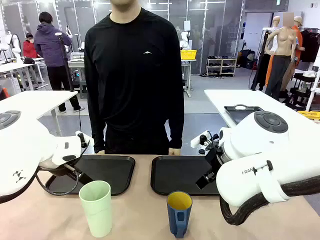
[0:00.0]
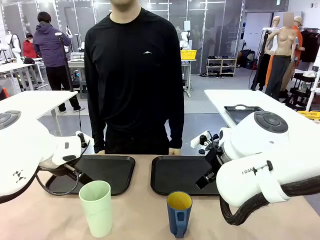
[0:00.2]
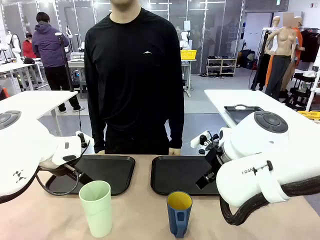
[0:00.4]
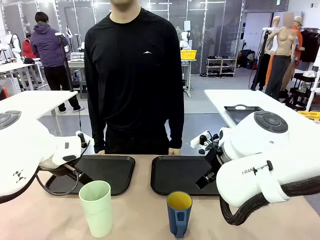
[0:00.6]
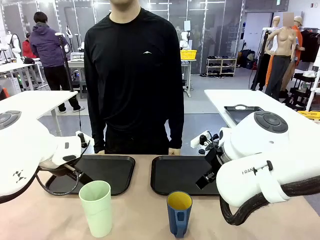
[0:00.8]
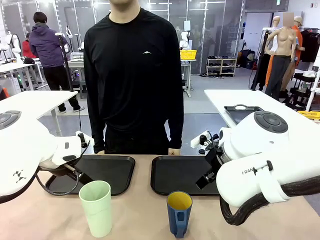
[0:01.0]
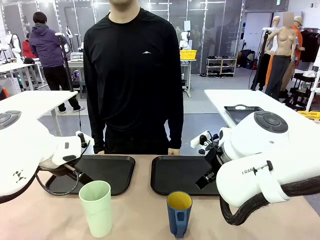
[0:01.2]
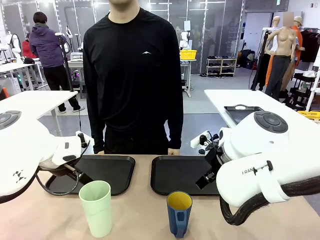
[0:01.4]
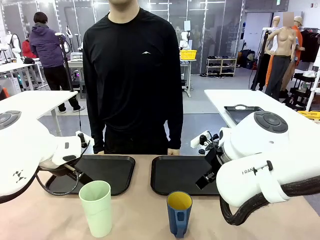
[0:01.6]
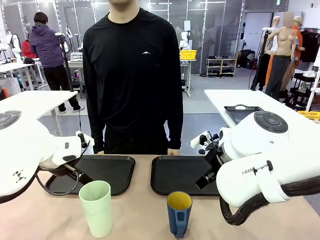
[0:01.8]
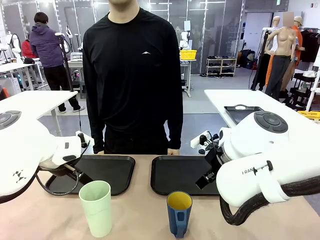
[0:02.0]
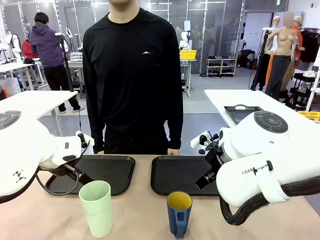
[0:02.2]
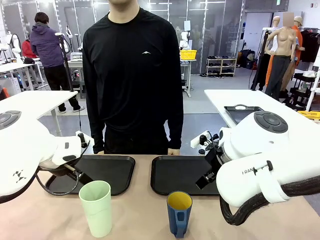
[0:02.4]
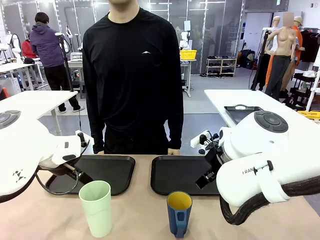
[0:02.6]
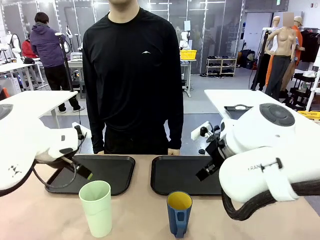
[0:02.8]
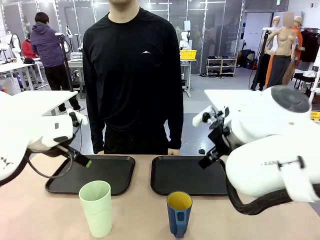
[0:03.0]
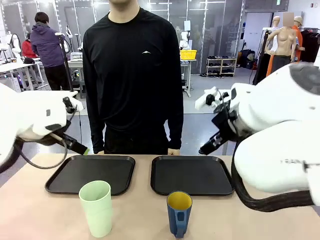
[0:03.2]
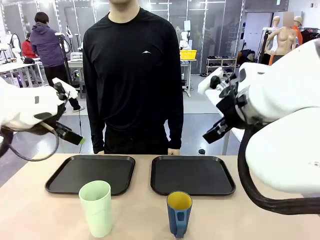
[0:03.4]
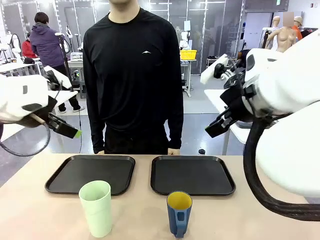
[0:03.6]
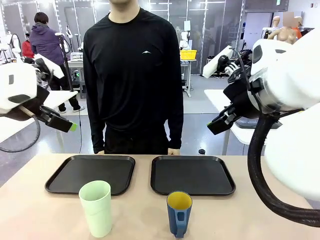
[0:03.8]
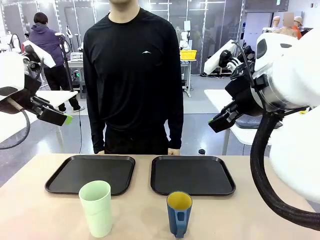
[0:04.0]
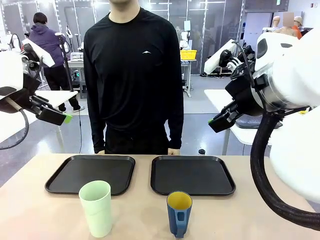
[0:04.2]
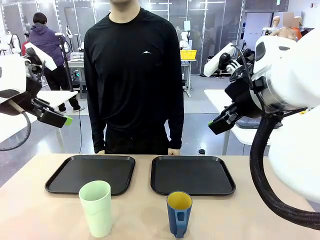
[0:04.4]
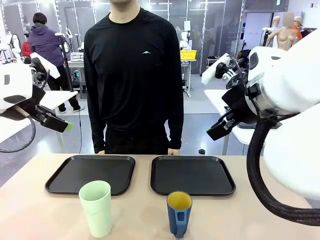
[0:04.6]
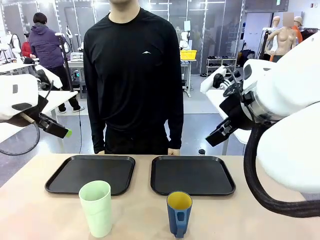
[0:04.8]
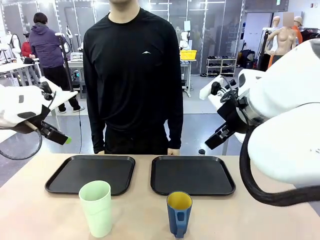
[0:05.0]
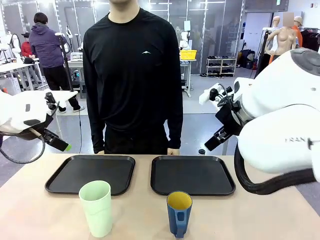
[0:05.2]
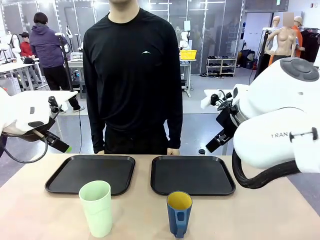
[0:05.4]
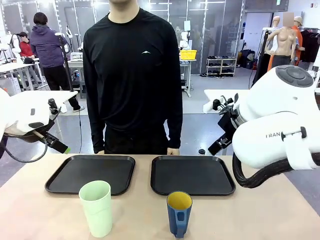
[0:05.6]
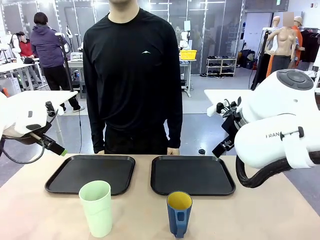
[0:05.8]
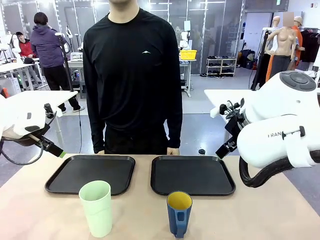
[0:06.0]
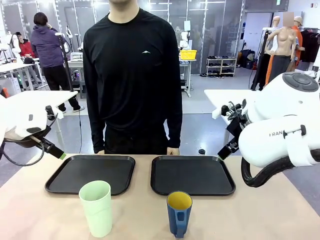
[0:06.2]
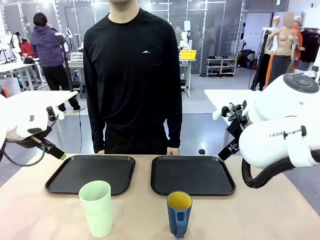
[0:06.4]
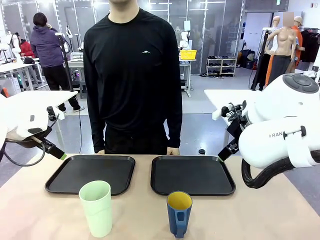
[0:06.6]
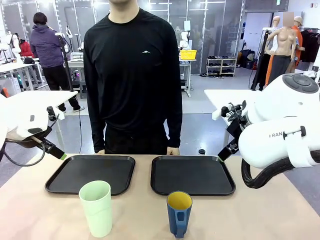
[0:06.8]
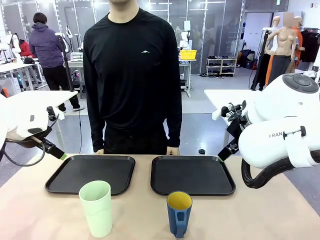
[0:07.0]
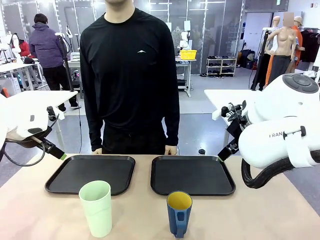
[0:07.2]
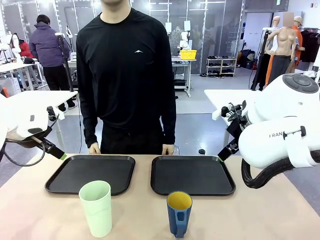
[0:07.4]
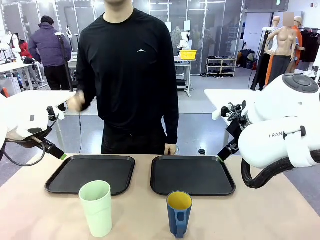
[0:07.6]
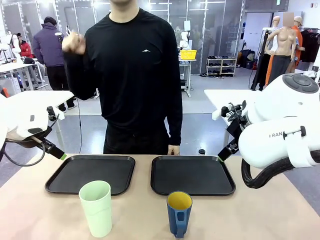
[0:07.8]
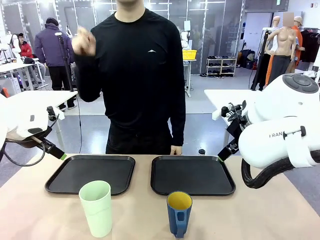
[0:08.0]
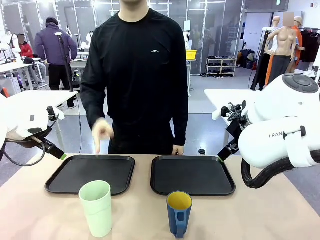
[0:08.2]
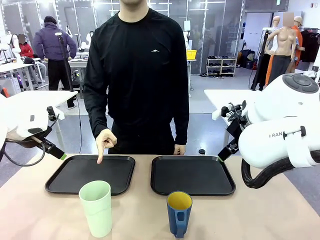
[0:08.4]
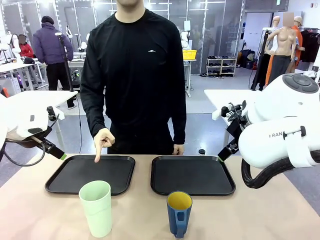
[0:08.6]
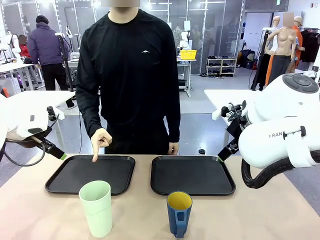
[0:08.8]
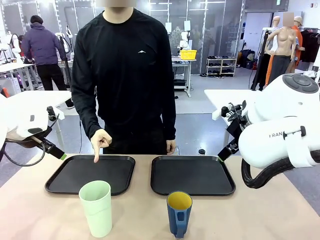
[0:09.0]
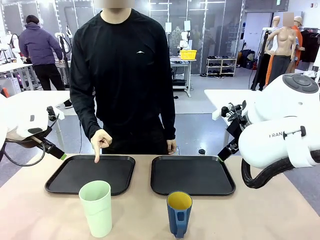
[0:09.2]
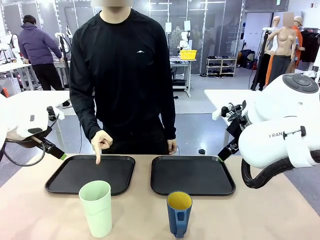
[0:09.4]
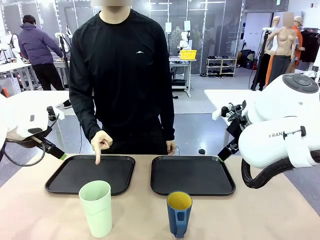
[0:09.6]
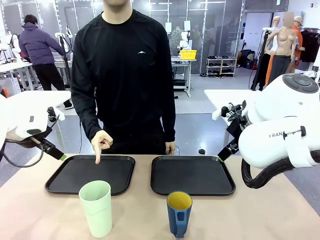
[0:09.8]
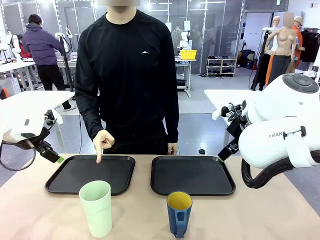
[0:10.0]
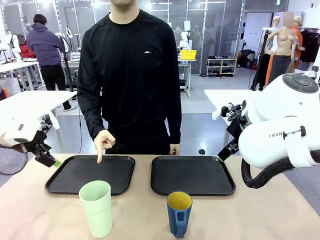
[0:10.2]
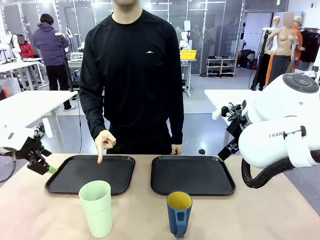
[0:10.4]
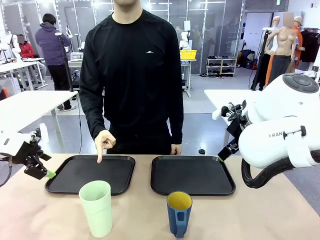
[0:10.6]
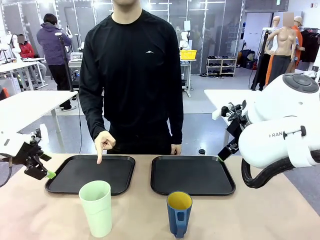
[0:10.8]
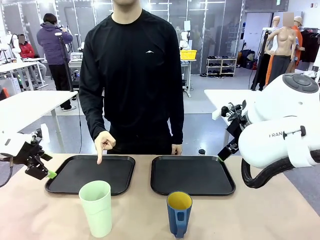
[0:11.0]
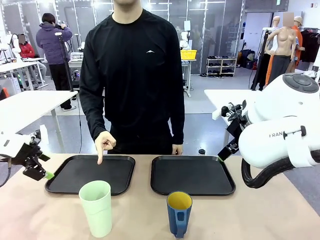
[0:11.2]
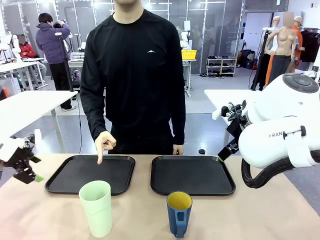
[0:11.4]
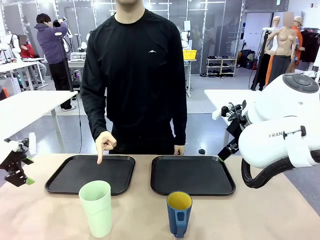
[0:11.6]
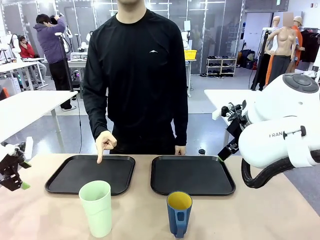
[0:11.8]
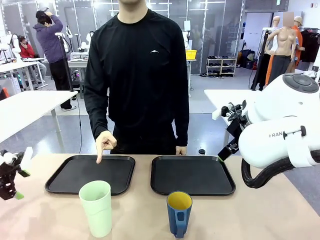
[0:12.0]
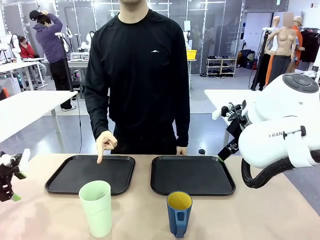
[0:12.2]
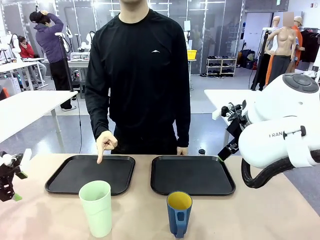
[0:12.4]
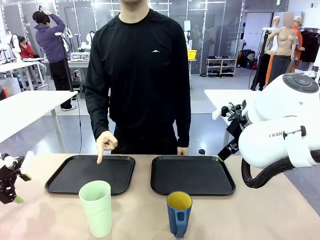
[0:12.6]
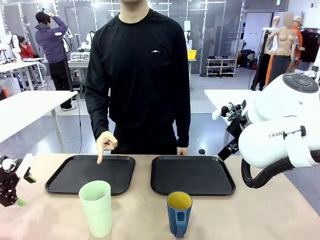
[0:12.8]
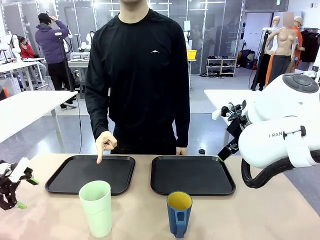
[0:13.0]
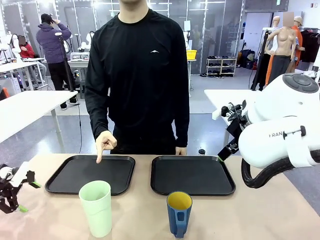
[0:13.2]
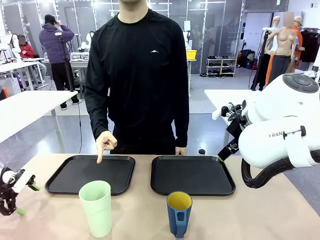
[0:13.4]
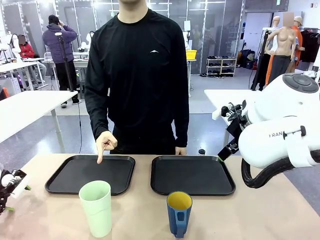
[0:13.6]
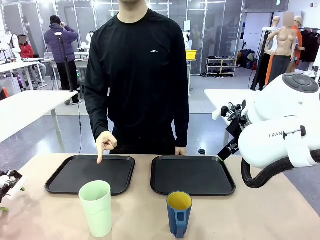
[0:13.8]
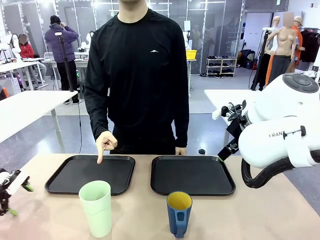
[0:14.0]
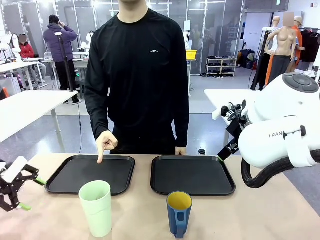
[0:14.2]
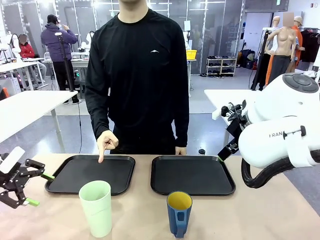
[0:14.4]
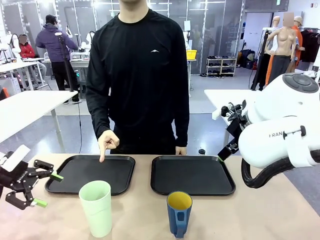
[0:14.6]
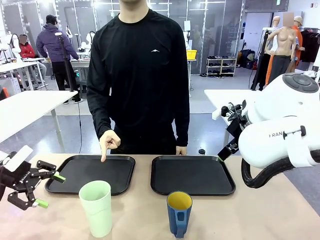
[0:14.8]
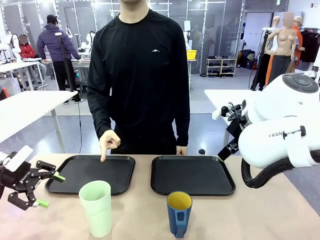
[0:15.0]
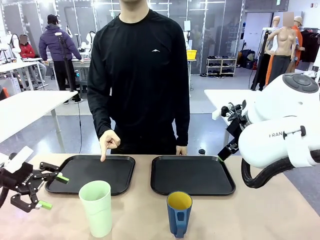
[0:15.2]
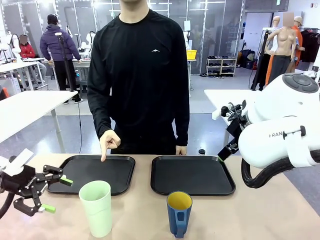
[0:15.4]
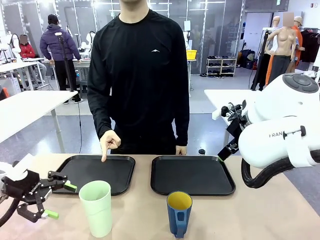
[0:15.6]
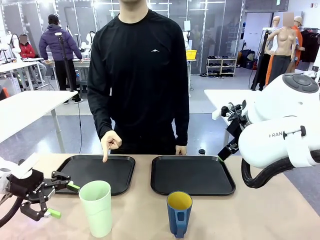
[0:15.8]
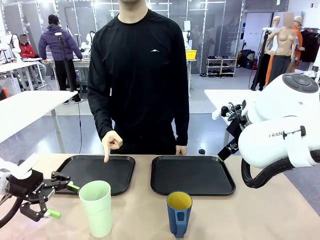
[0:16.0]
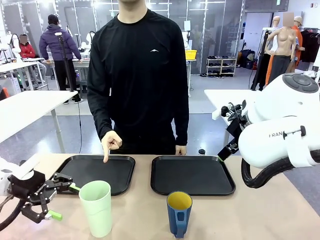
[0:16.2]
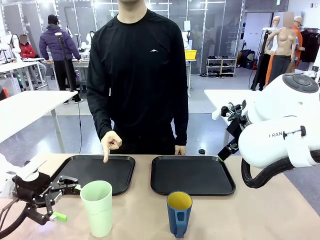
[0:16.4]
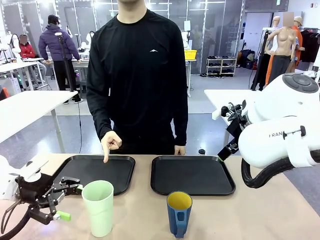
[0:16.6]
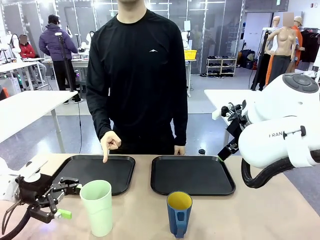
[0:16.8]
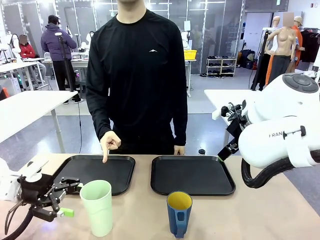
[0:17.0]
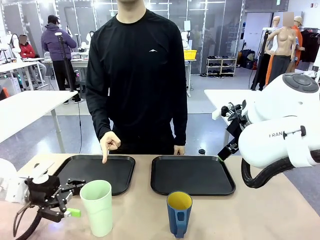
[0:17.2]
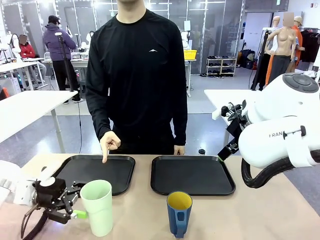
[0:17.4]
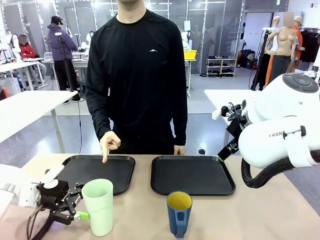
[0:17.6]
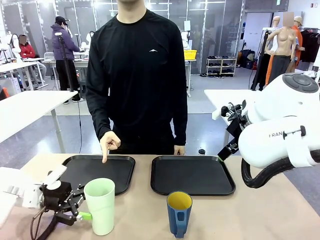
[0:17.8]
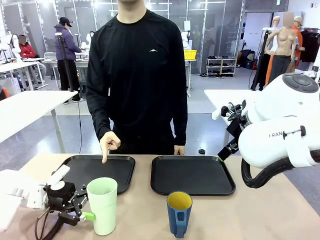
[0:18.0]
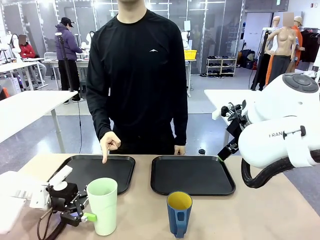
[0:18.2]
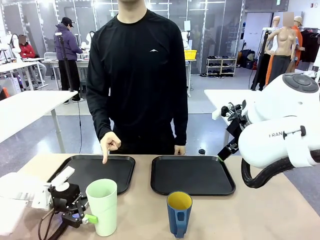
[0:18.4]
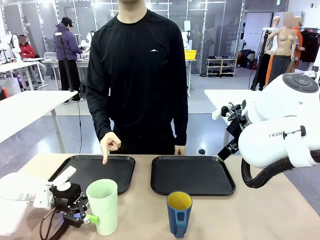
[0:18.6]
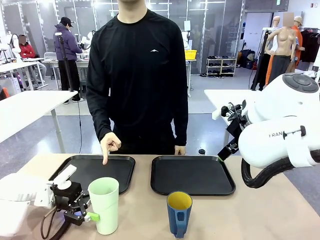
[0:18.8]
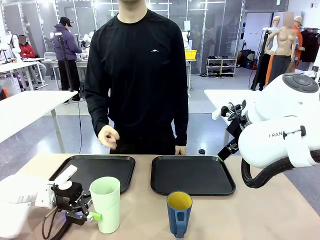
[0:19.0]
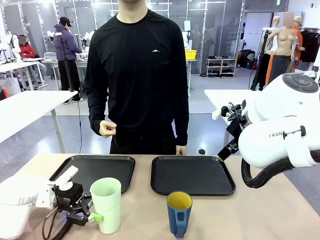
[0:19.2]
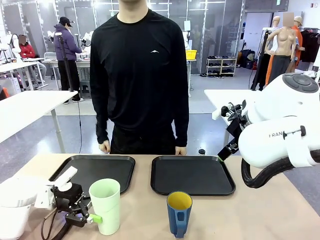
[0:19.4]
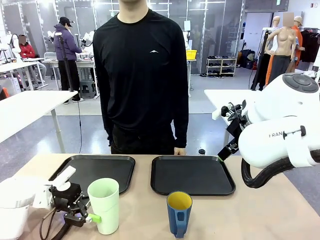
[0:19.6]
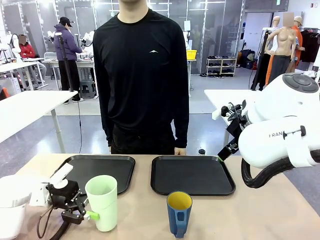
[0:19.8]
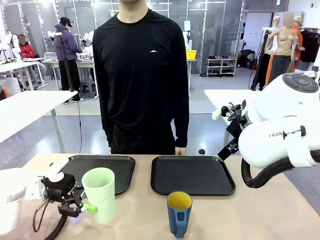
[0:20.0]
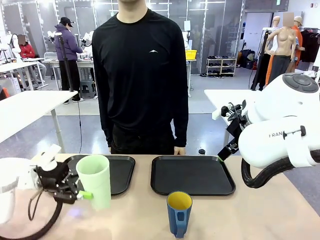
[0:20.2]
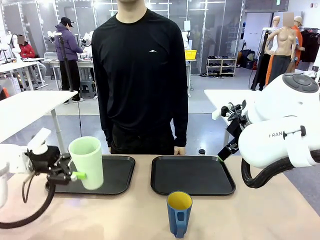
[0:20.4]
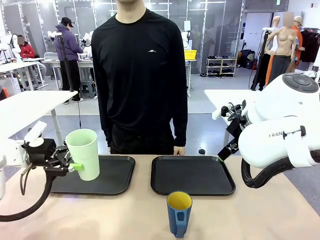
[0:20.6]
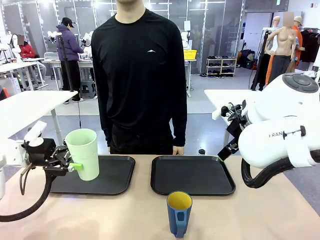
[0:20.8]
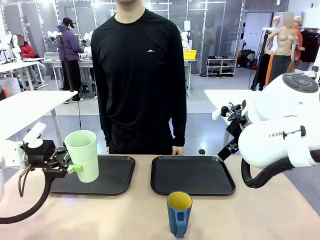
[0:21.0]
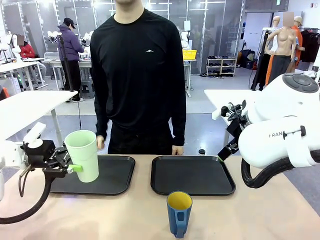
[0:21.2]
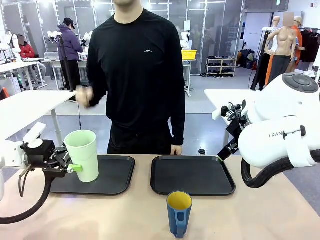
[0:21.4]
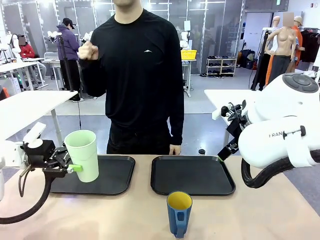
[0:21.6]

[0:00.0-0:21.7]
Task: Sort and store the cups by type.
Robot: Pick up the Reusable plastic cup.
Person: Points to the reusable cup. Point to one of the two trays.
